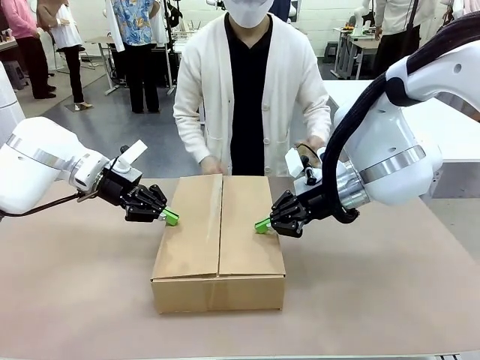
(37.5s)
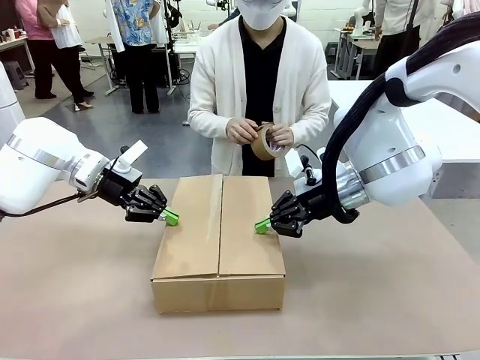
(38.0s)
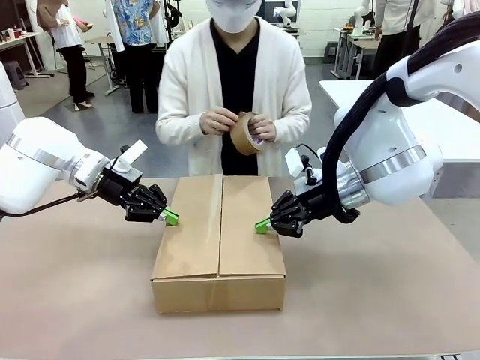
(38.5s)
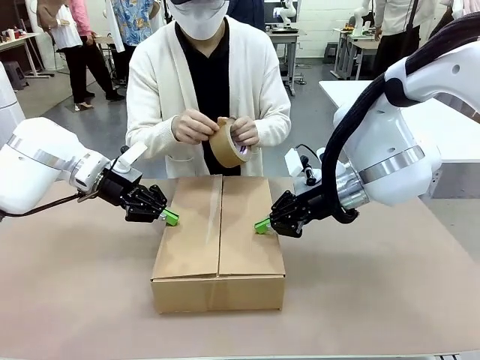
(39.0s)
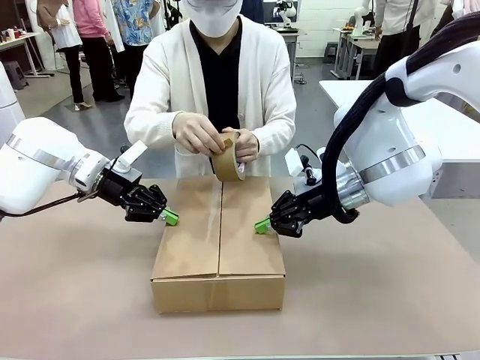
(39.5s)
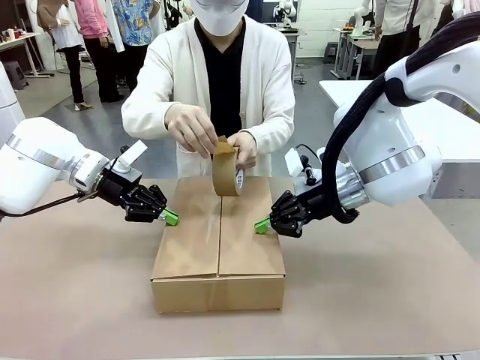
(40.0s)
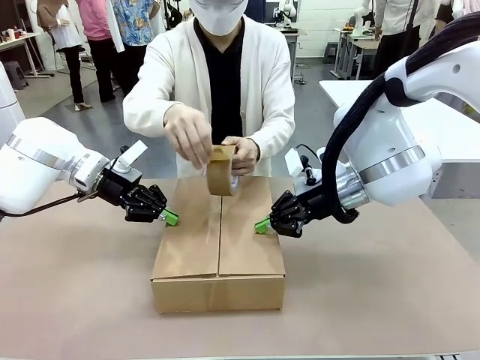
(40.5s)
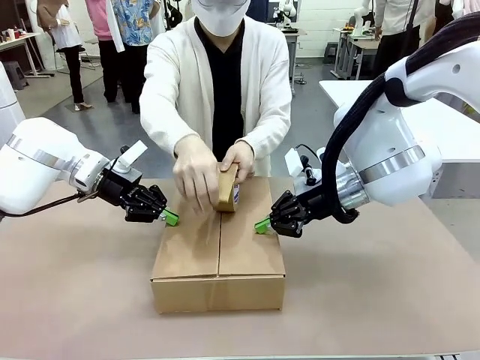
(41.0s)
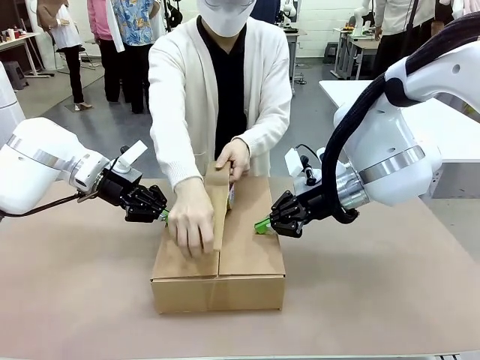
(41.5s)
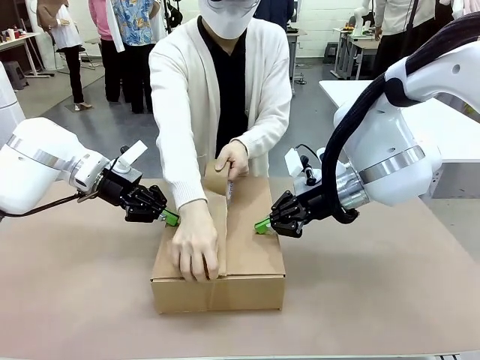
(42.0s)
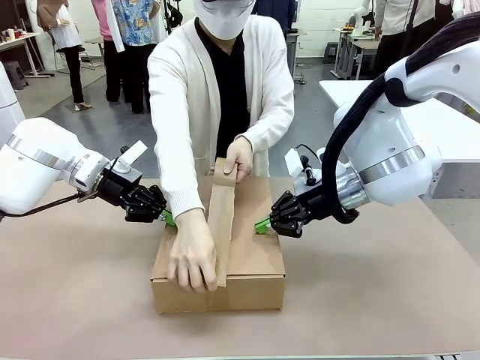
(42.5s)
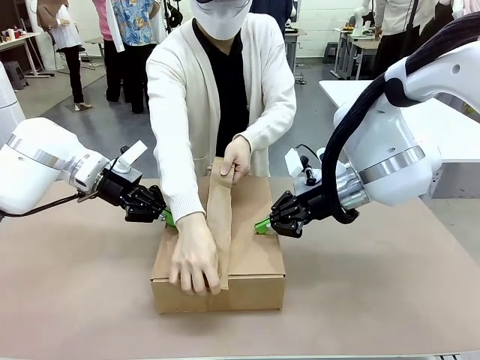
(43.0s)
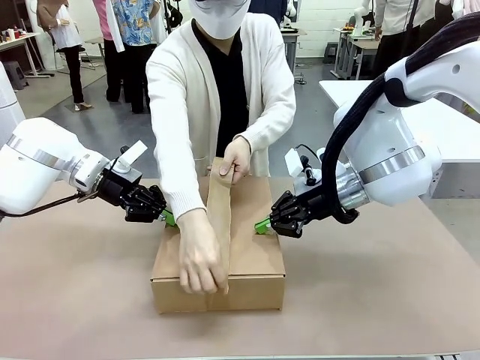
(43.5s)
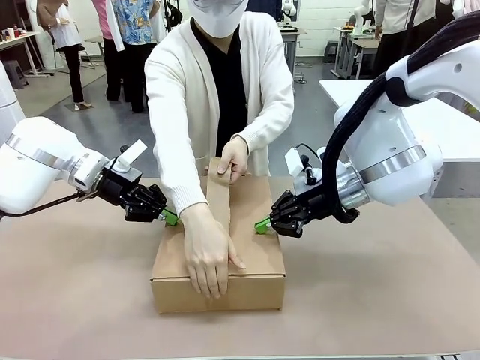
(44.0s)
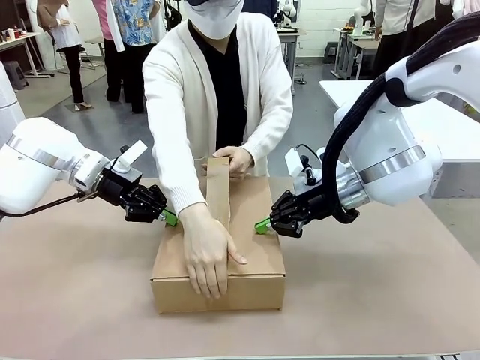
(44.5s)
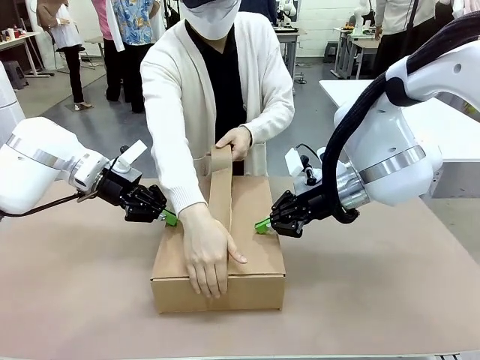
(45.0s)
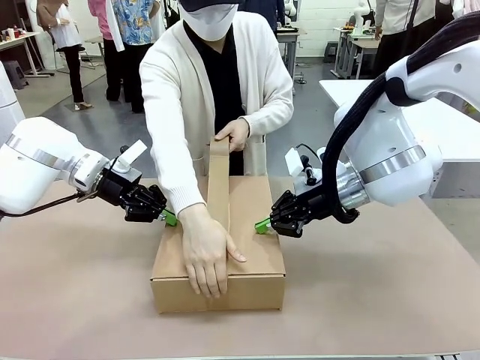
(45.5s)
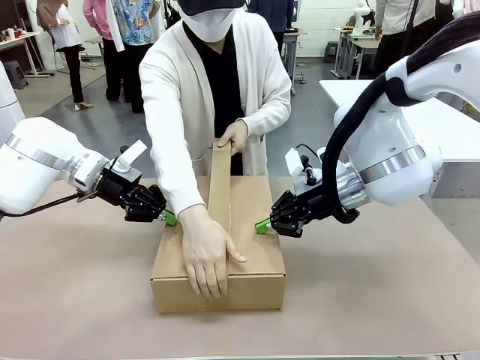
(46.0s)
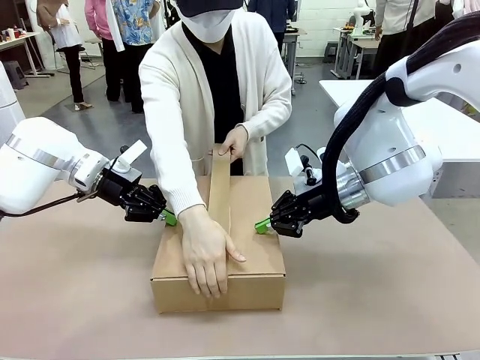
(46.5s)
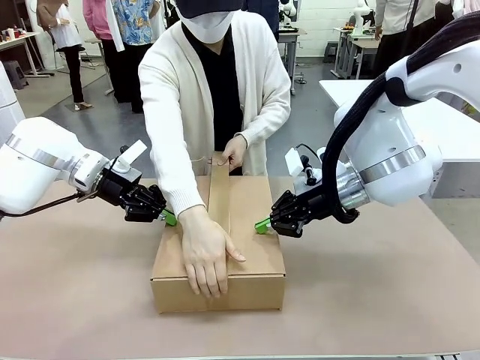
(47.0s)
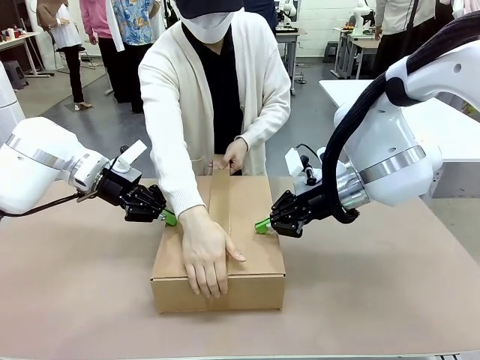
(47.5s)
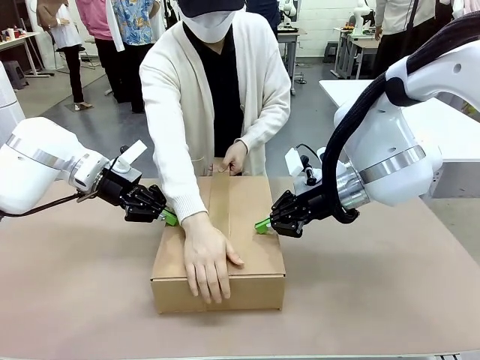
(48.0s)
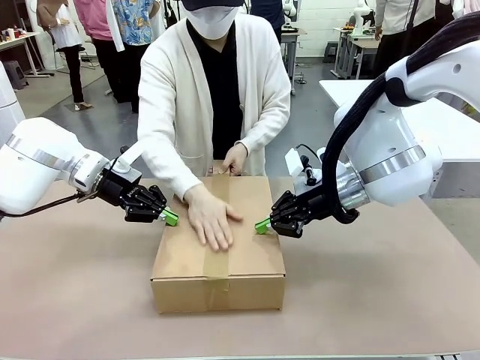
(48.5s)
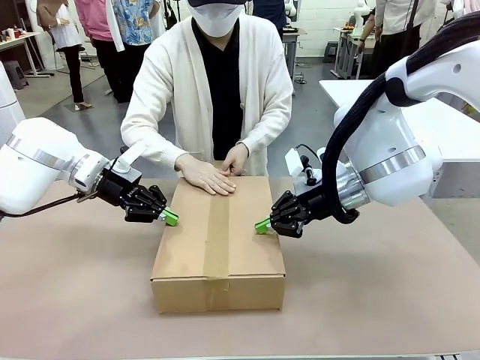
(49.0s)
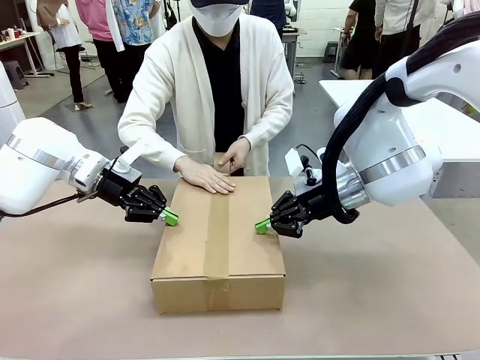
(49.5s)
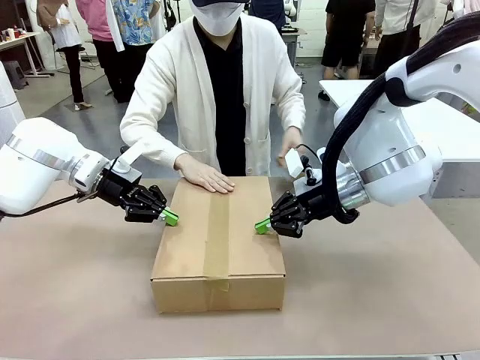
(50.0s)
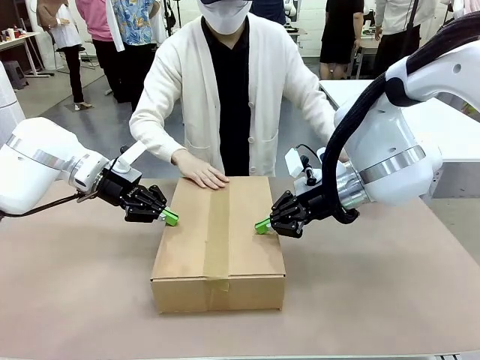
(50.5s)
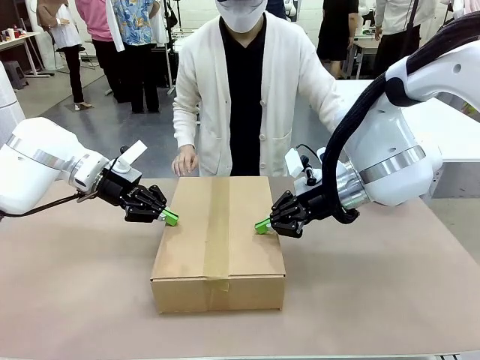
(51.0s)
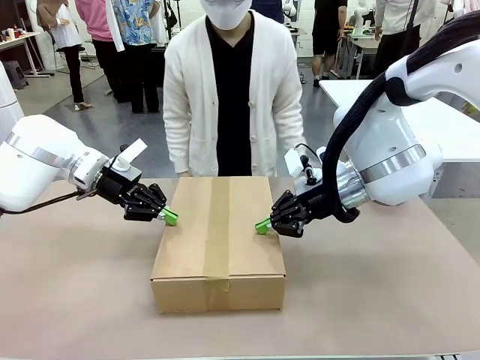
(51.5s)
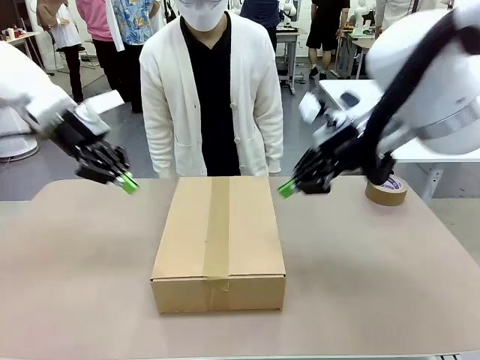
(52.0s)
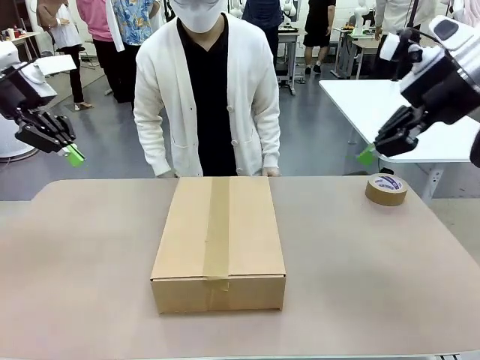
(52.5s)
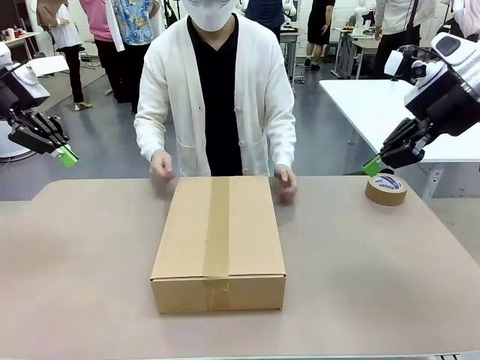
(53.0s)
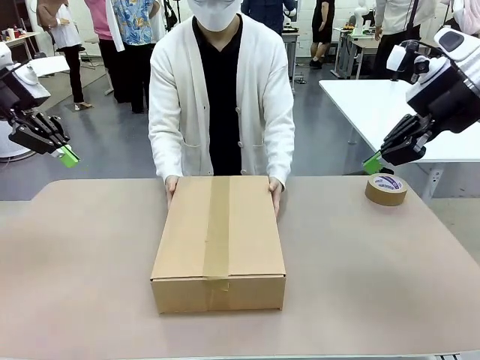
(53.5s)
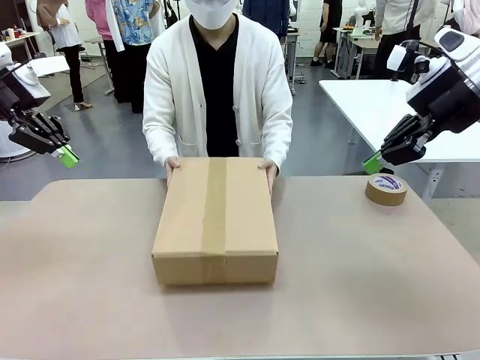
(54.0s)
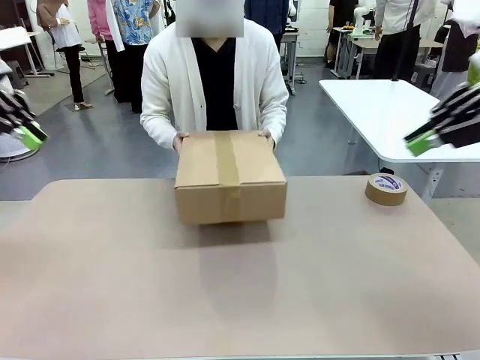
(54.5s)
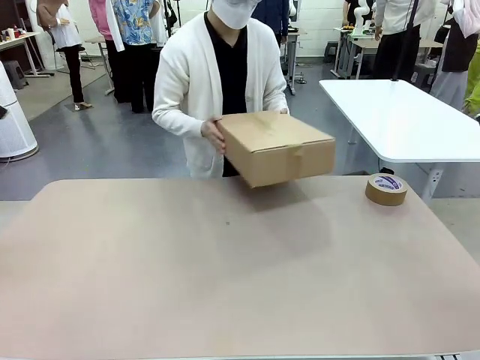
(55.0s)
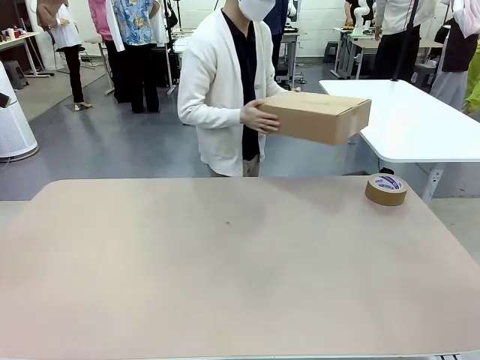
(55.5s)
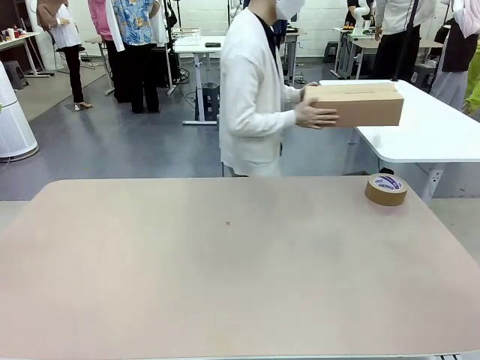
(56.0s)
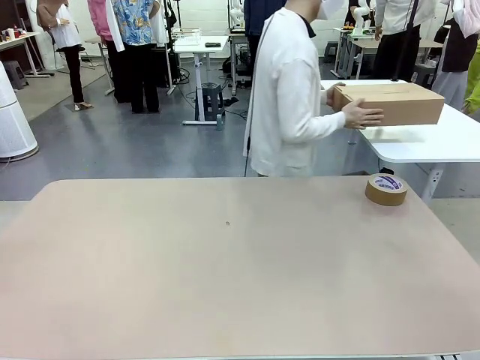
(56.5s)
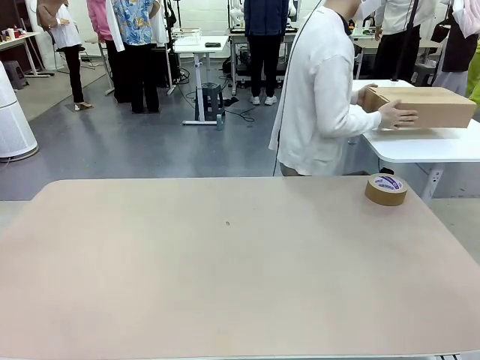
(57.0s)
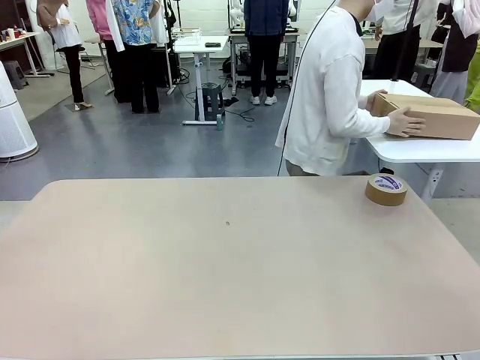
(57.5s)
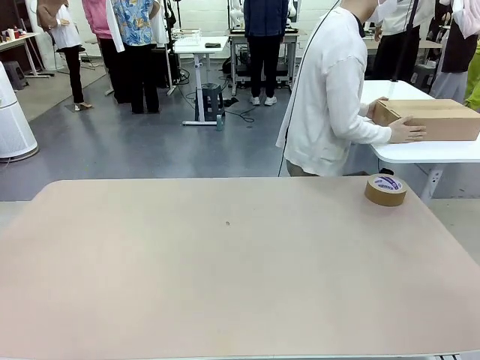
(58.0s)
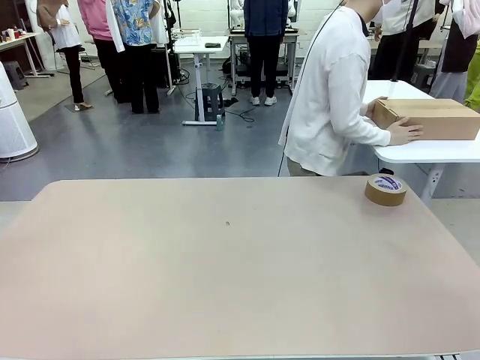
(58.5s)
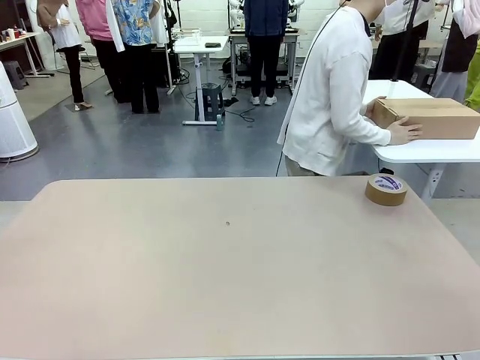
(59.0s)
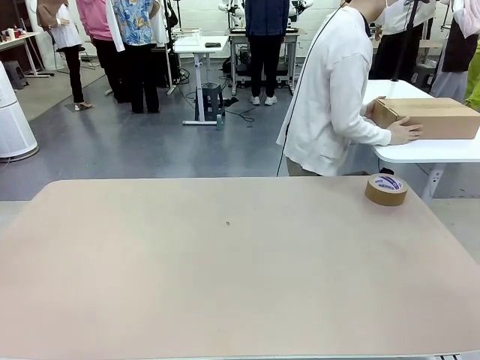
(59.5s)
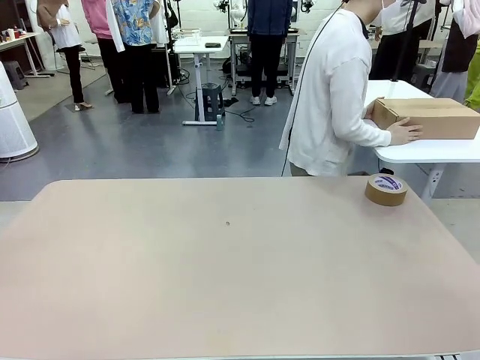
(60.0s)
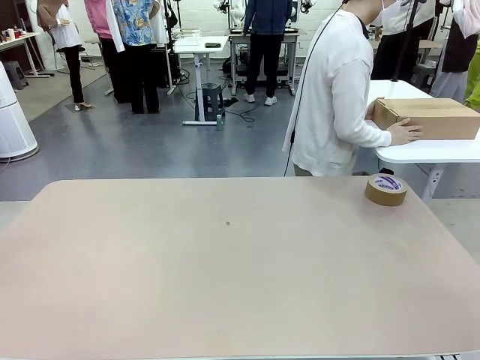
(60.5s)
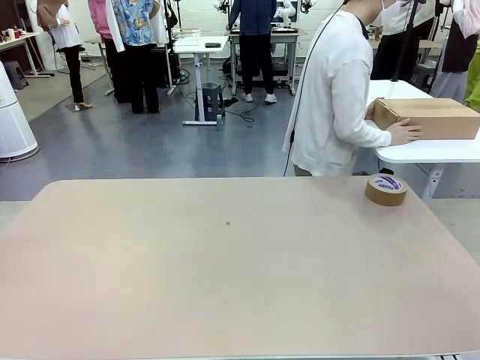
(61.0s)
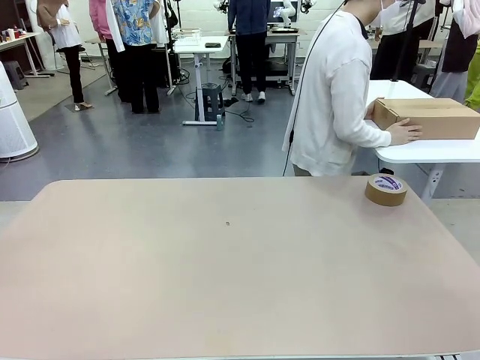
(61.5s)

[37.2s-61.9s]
Task: Wrap the clocks to prevent damage.
Robot: After the human seals the box with tape, release both hands from the side flaps of the Package Box.
Person: Once the robot closes the left flap of the Package Box , seal the box with Paper Tape. Place sealed Package Box in the middle of the human's table.

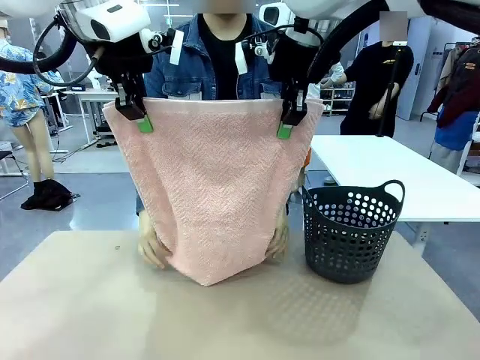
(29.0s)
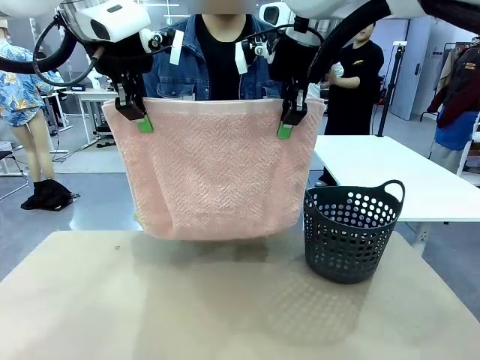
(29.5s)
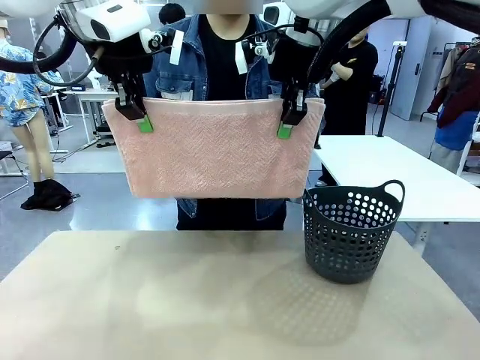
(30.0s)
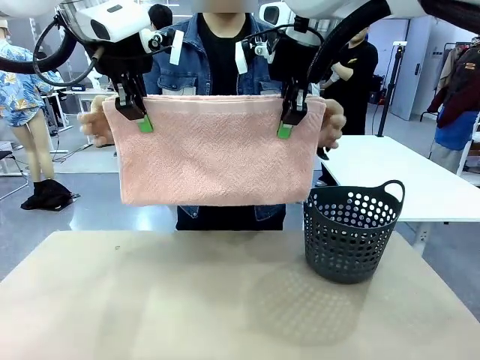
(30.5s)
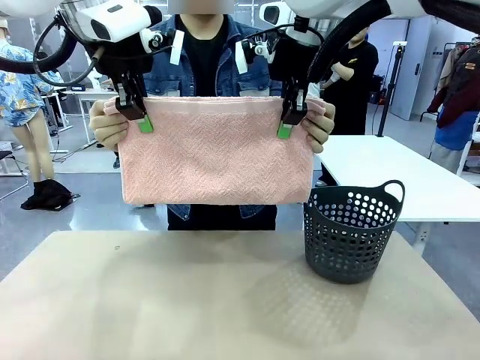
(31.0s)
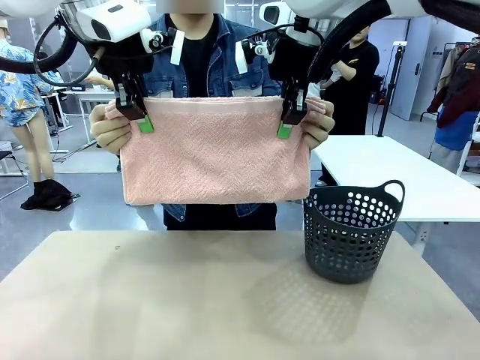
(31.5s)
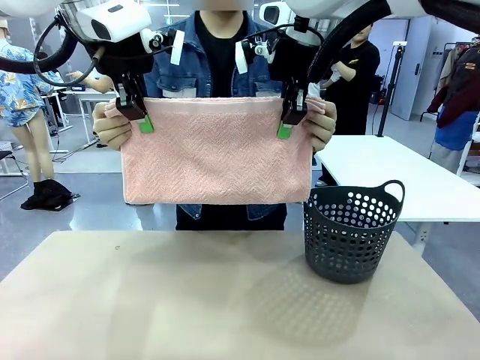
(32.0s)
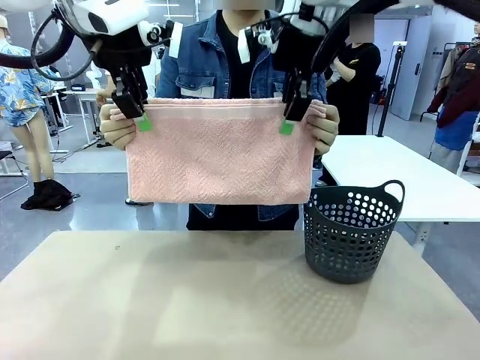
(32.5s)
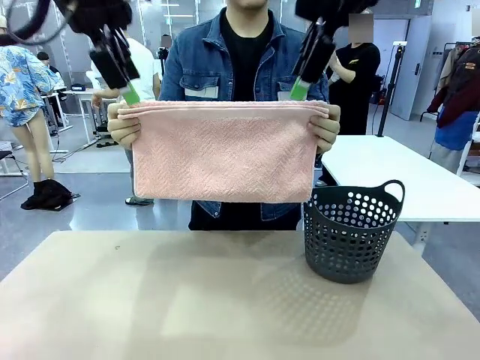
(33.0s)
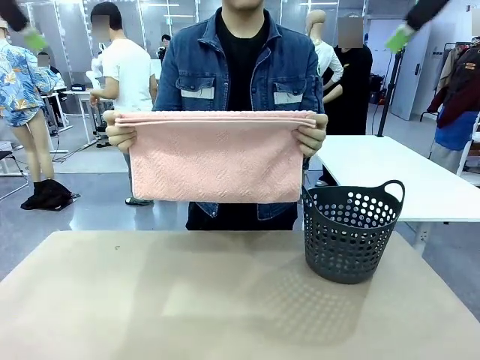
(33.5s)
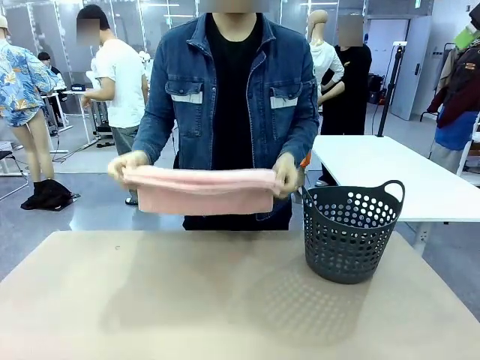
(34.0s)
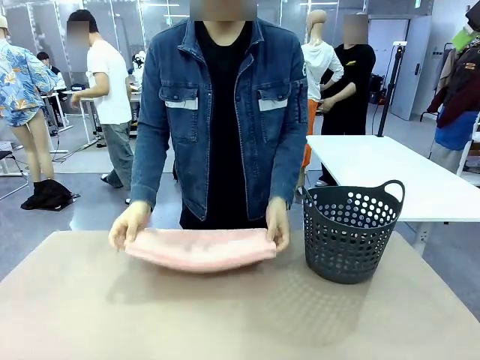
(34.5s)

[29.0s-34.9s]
Task: Fold the towel.
Robot: Release the end of the 100 cm Hotel Towel you were holding.
Person: Place the towel at the center of the robot table and fold it in half.
